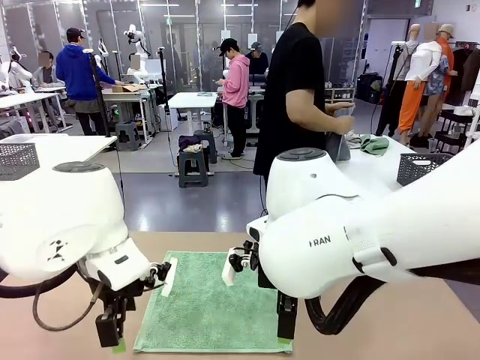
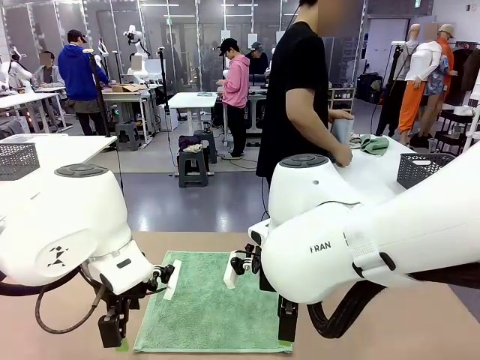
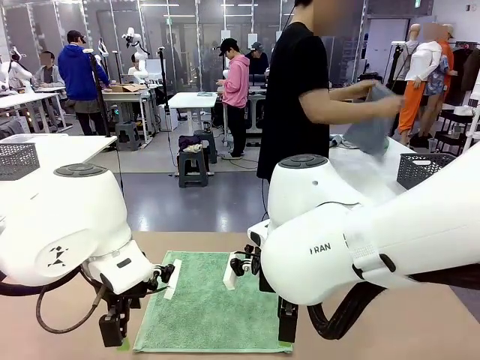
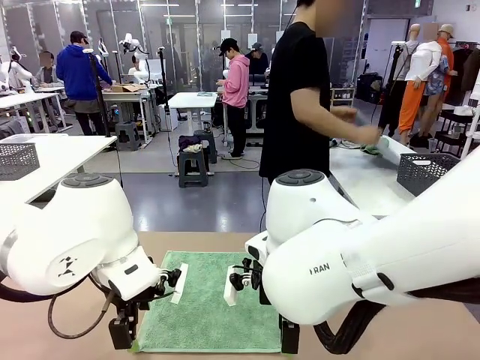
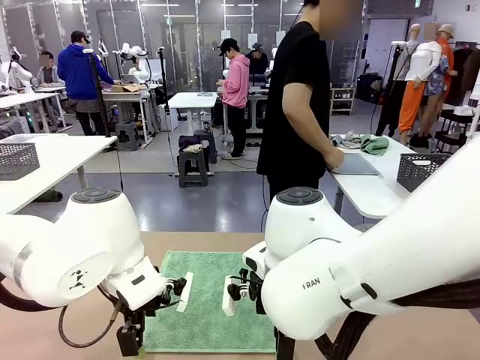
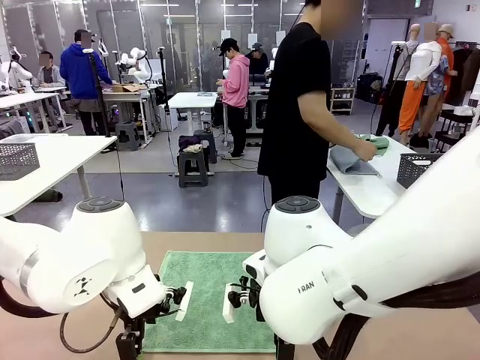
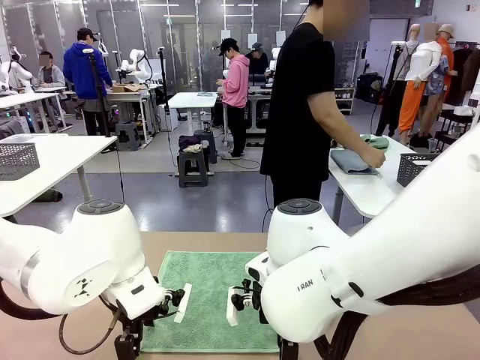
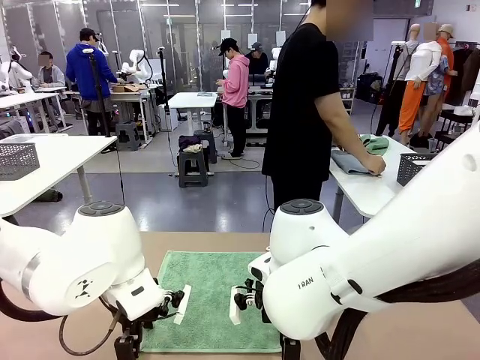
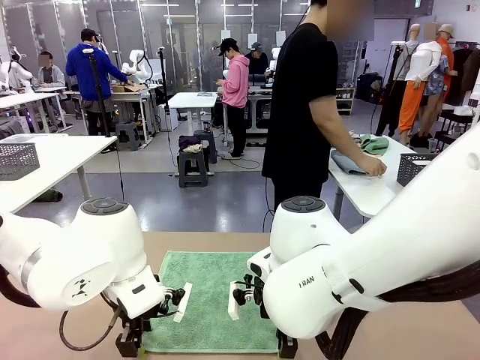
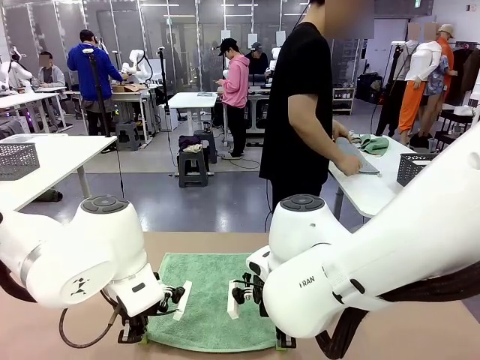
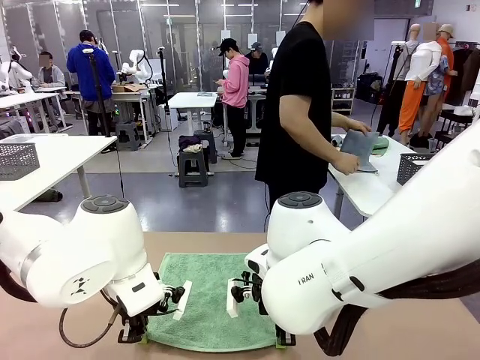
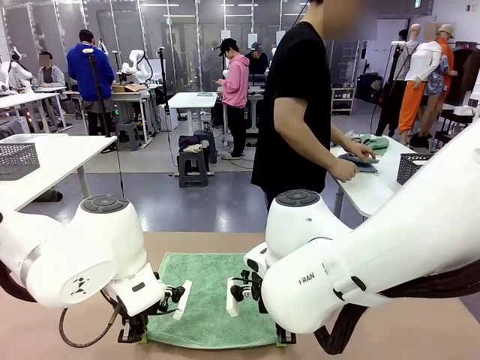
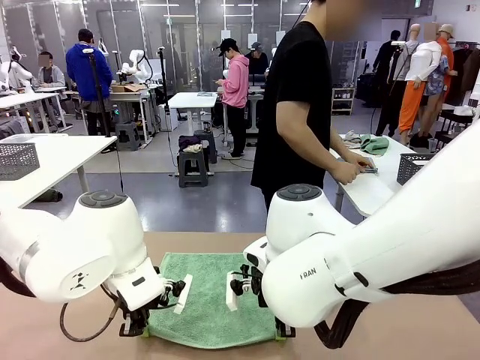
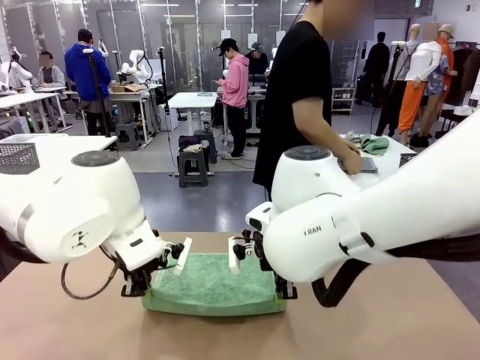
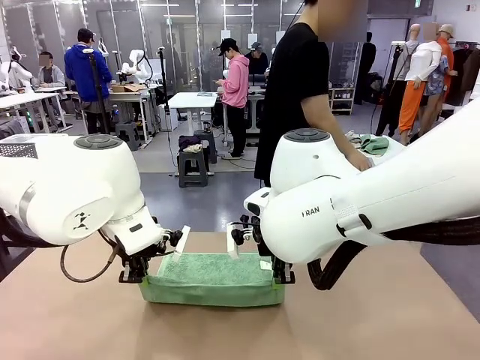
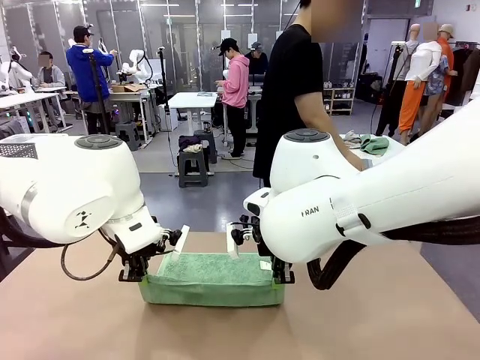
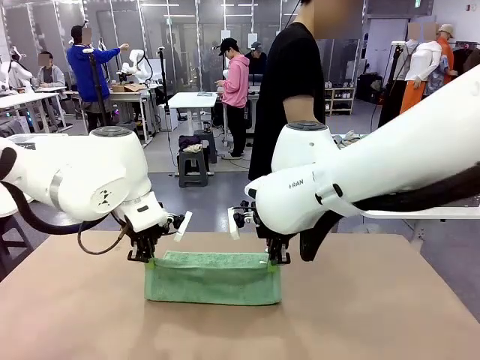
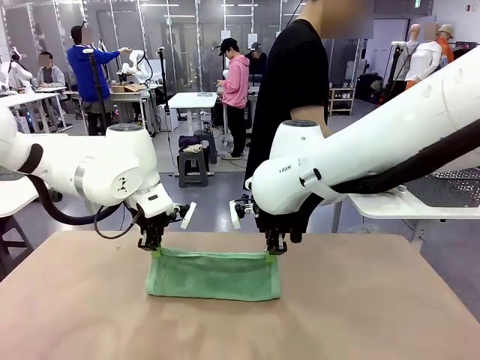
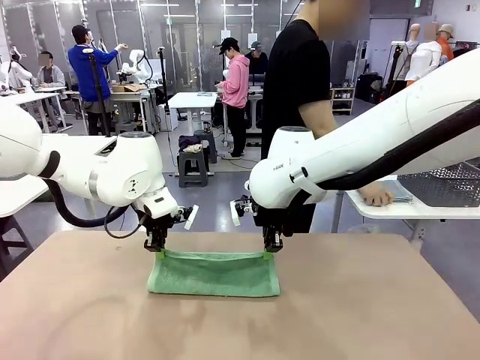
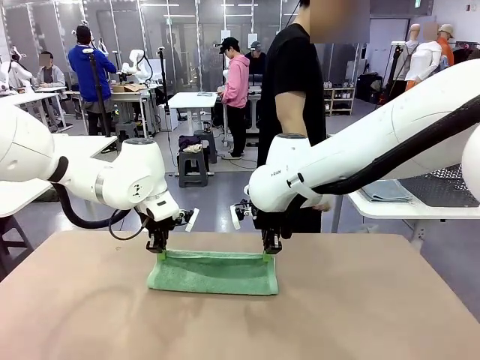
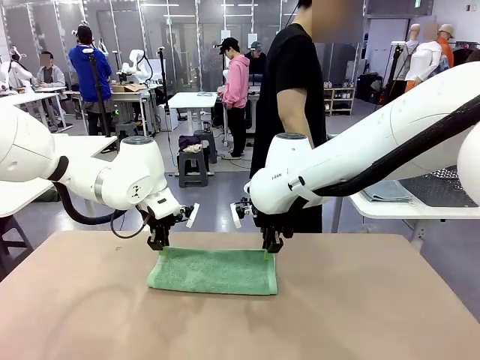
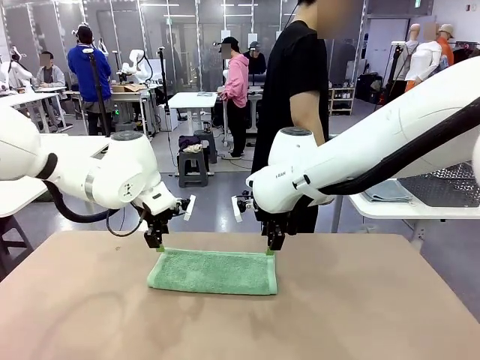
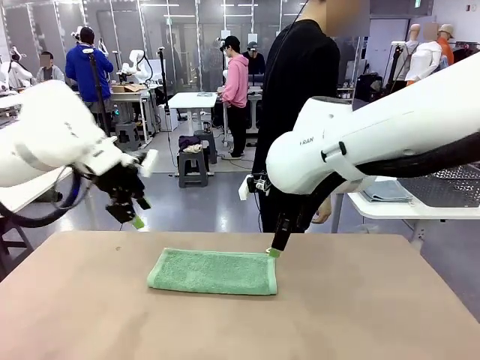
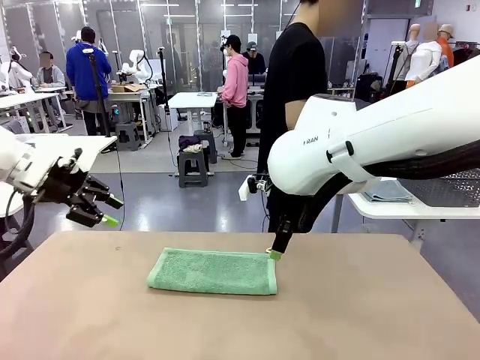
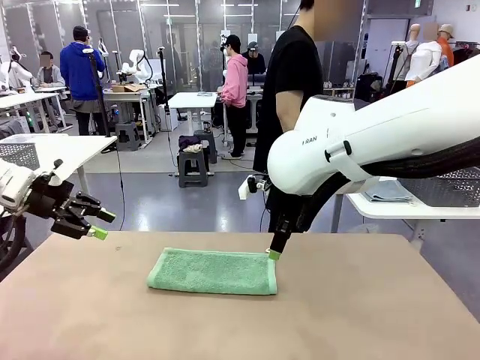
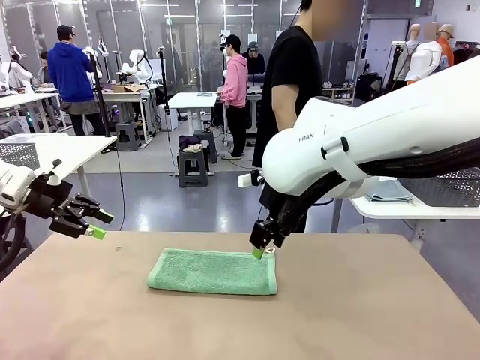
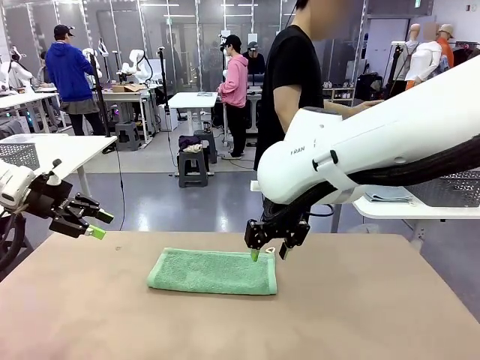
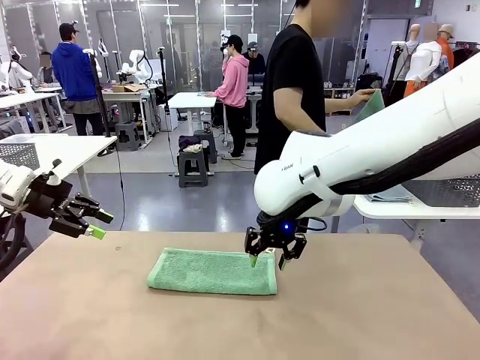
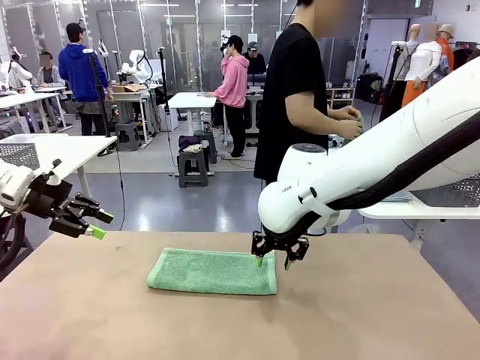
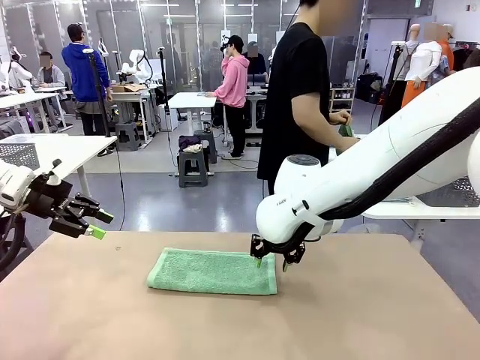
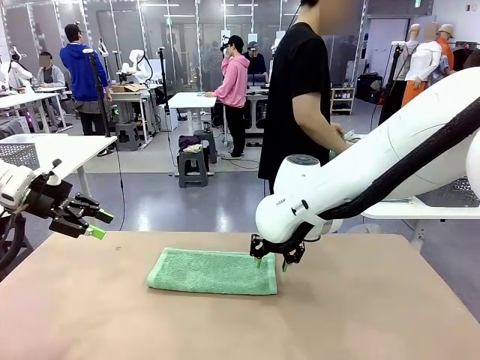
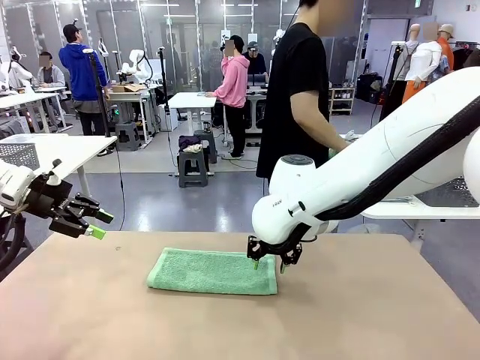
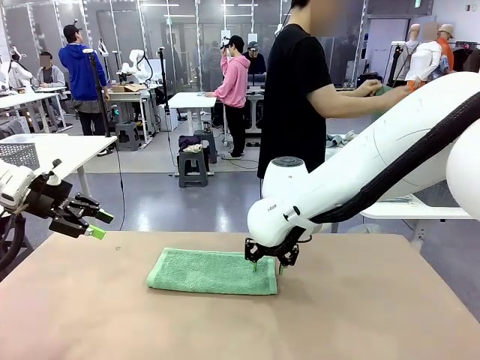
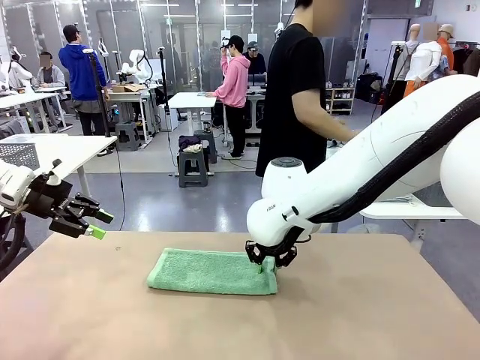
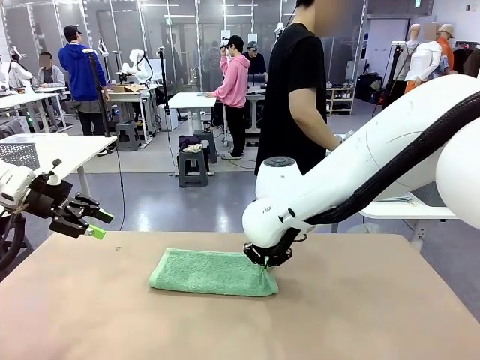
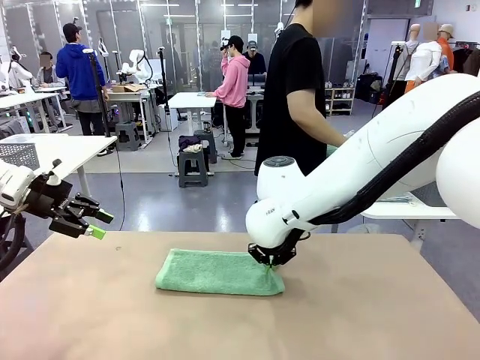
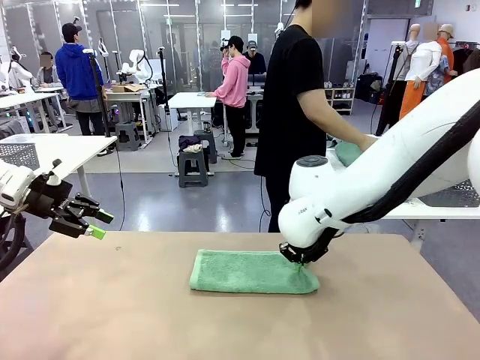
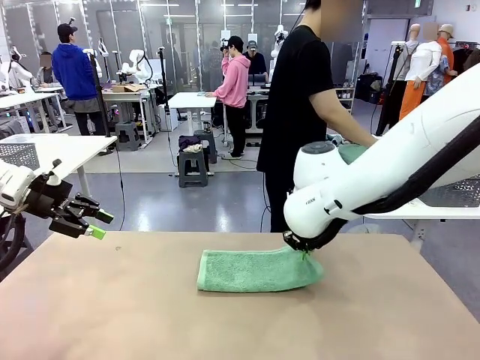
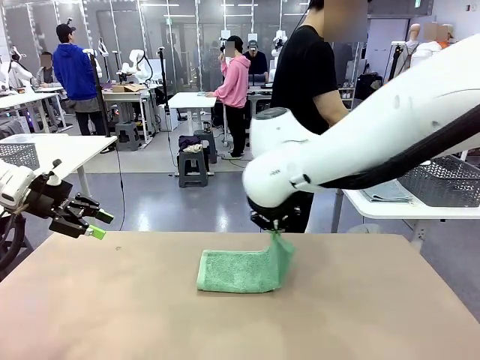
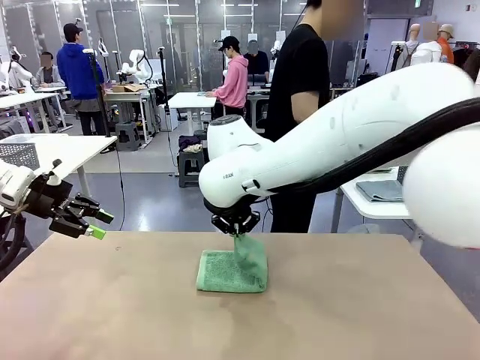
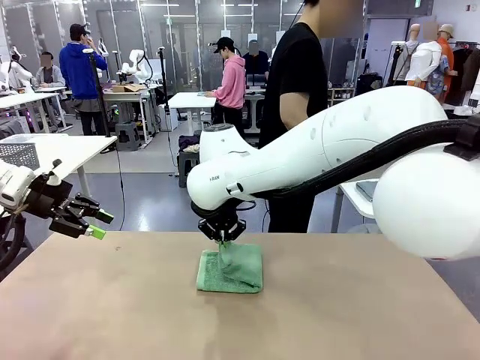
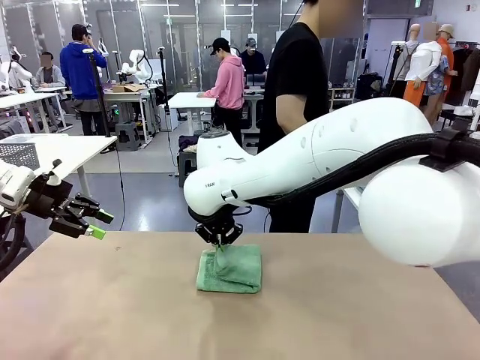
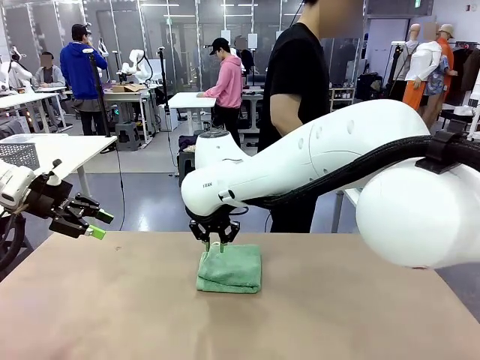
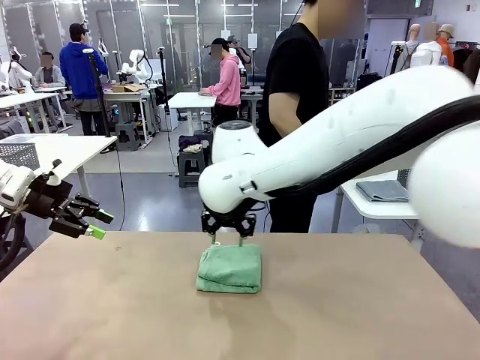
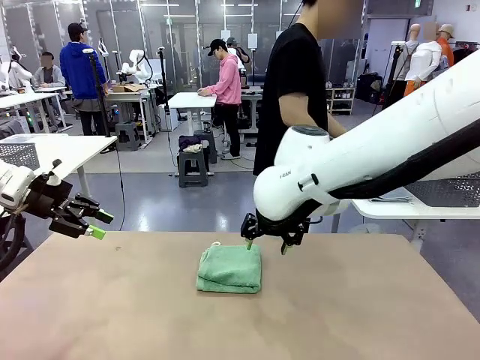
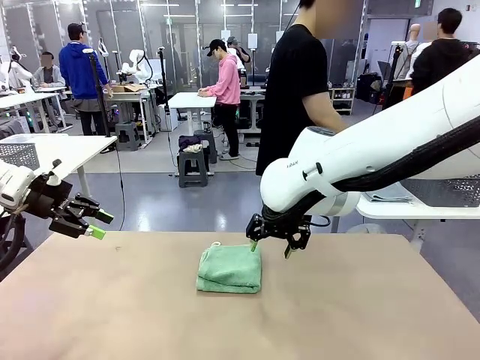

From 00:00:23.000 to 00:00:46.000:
Task: Fold the towels and place them in the basket.
Robot: When a person lays out a Towel with hook on the table, fold it in half twice.
Person: Pick up one towel from the left side of the human table, fold it in half twice, and place it on the right side of the table. Pick up one towel from the left side of the human table, fold it in half twice, and stack it on the right side of the table.
